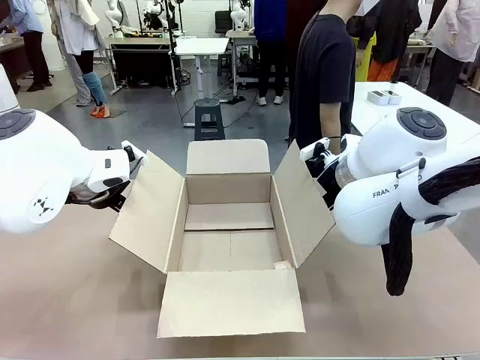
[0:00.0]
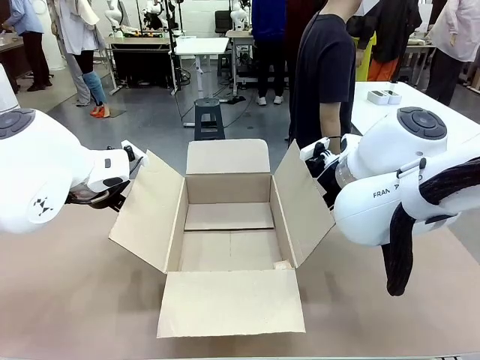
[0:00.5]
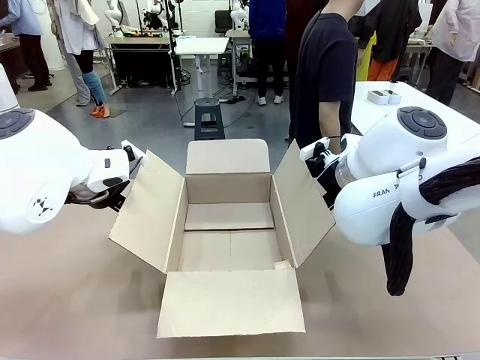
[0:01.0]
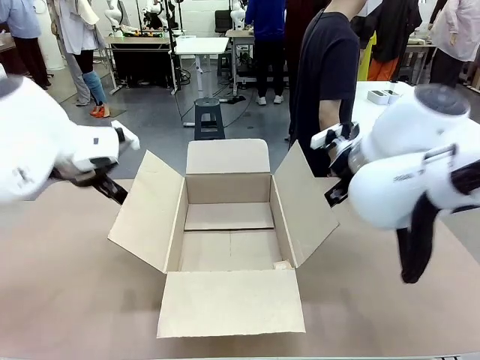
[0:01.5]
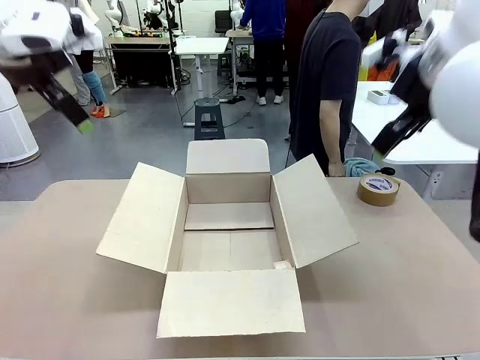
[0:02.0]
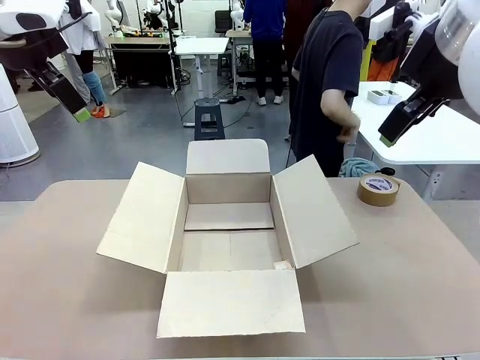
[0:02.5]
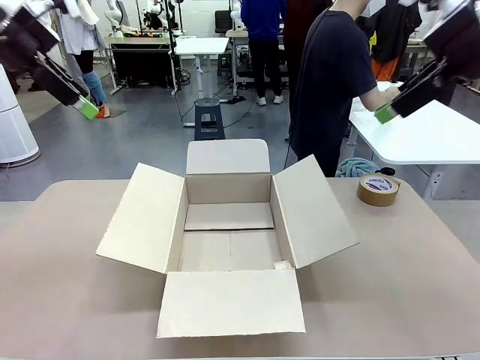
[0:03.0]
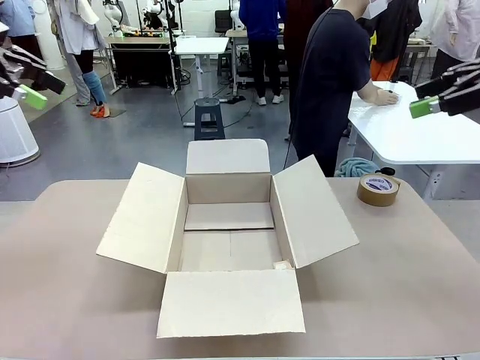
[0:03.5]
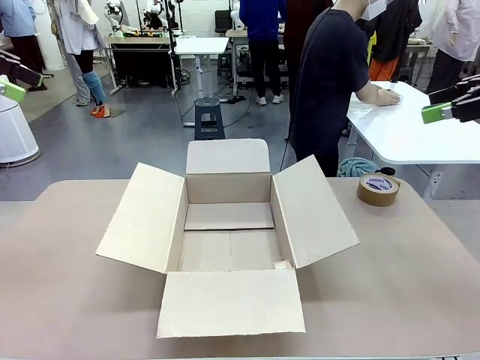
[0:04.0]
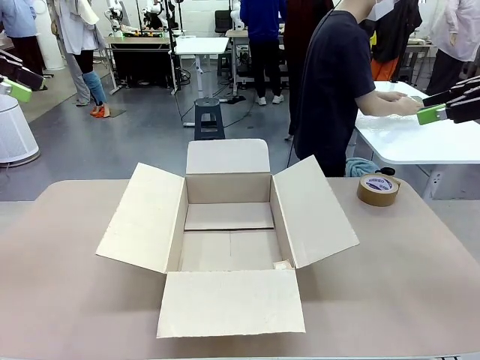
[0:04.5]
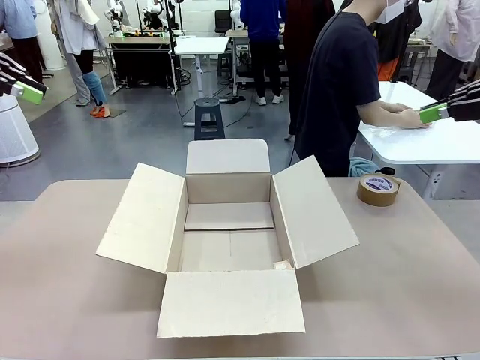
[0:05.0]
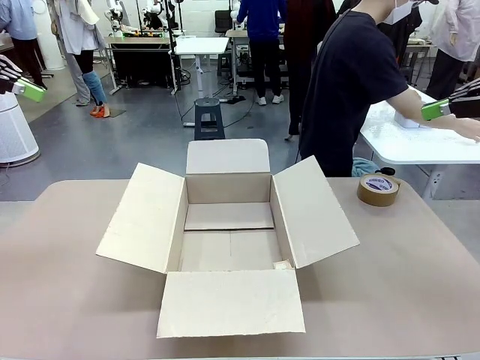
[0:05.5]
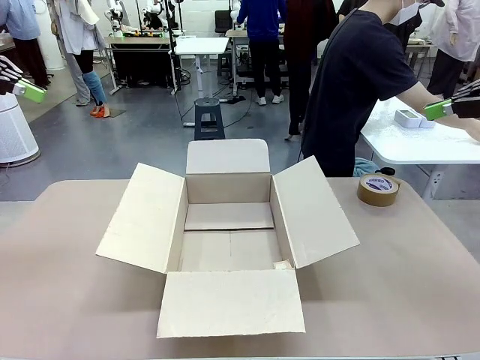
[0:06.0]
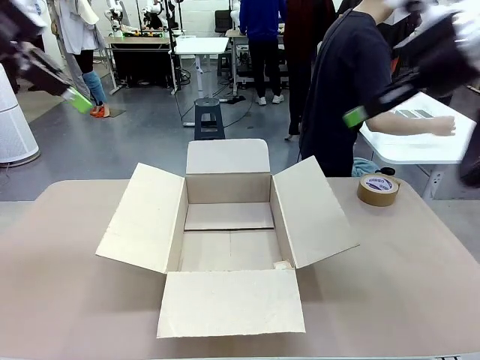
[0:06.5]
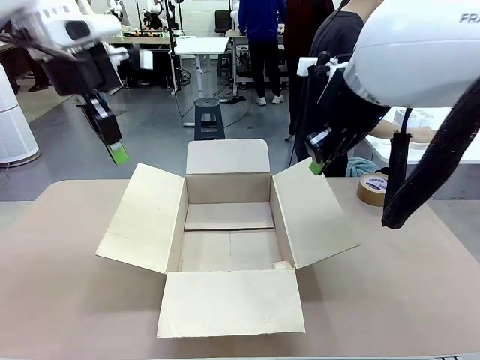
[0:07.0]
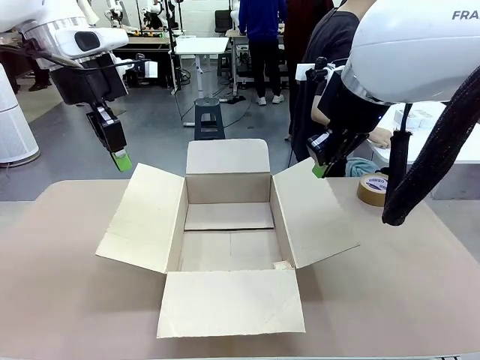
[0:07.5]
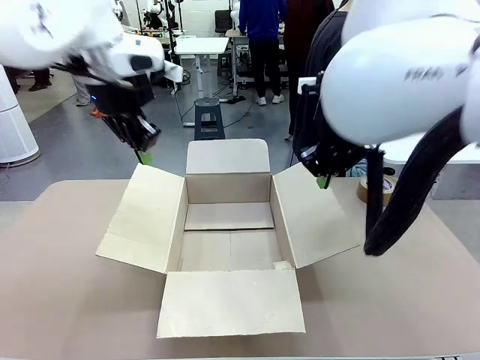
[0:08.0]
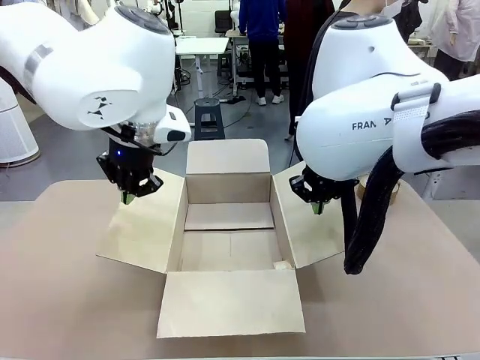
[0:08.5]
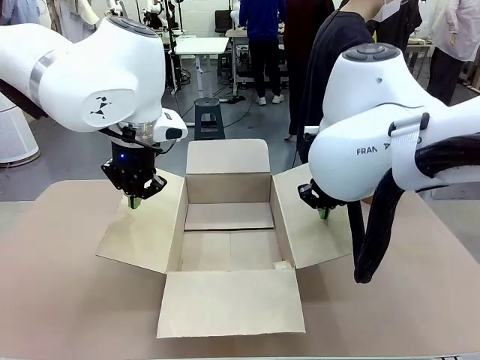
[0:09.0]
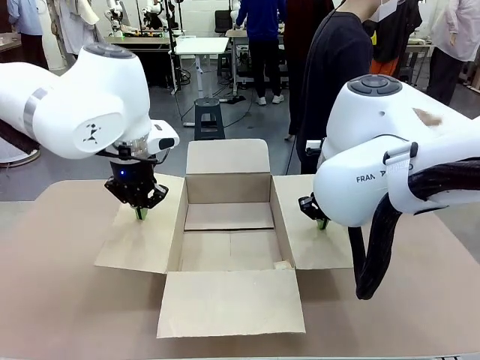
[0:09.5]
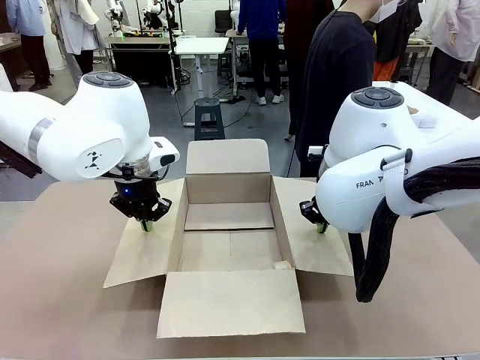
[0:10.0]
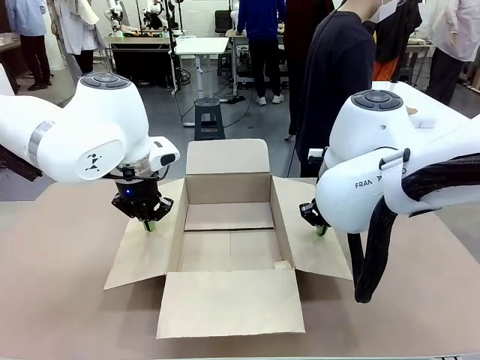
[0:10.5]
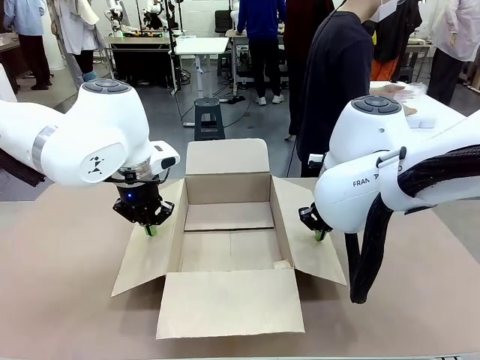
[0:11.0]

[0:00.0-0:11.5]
Task: Wrap the clocks to prevent damage.
Robot: Open the side flaps of the Package Box.
Person: Wrap the two Digital clocks with Bubble Wrap.

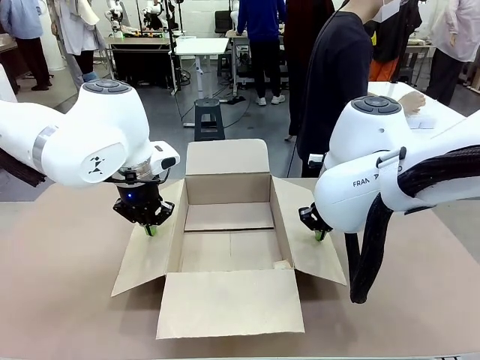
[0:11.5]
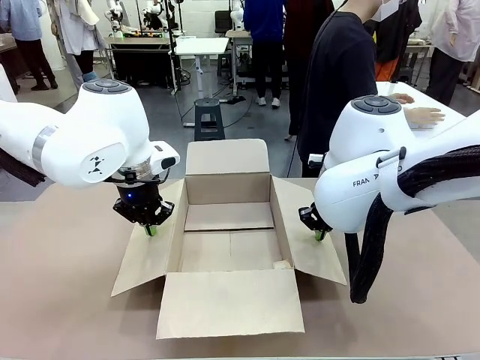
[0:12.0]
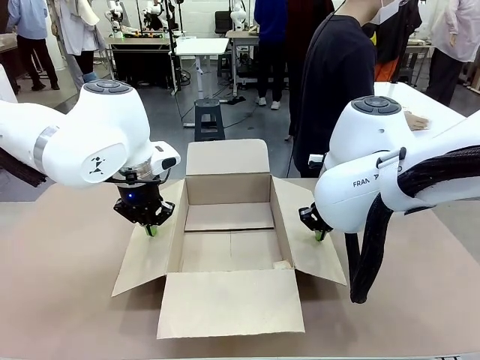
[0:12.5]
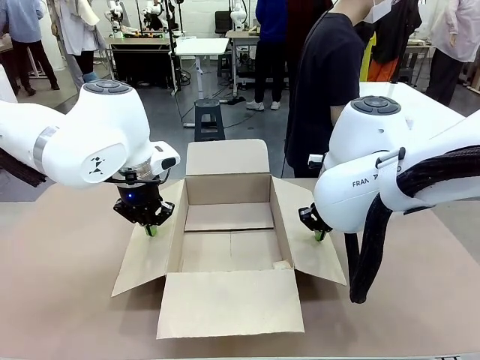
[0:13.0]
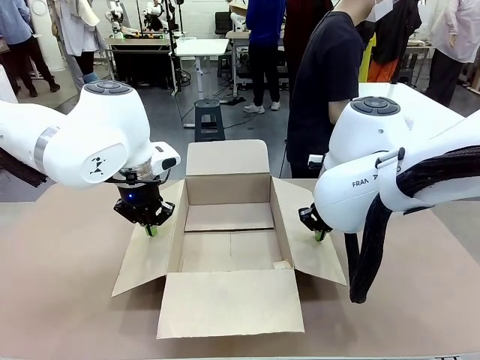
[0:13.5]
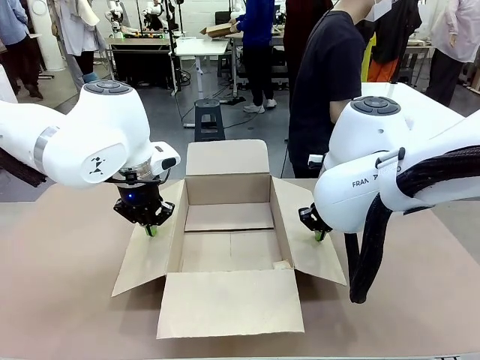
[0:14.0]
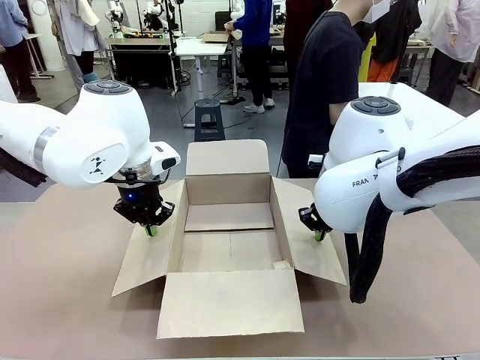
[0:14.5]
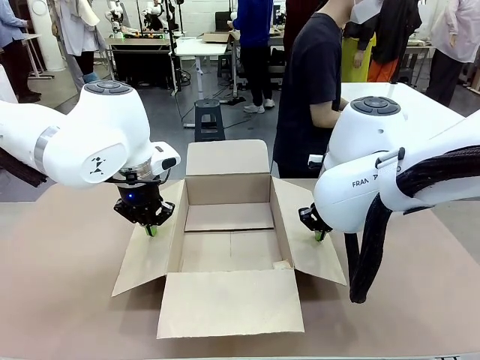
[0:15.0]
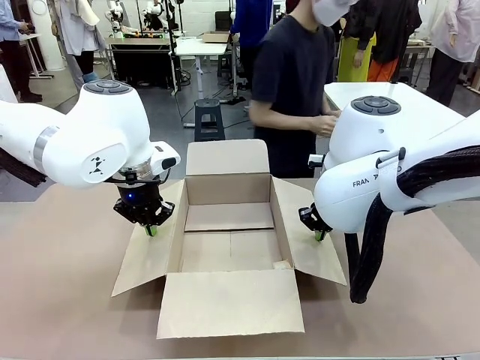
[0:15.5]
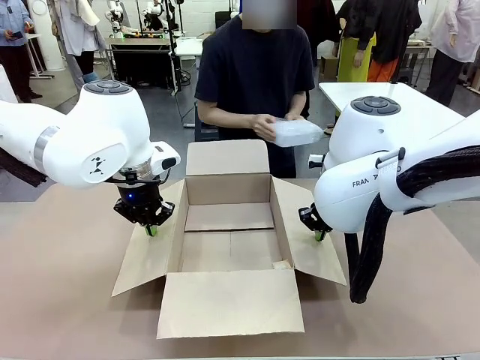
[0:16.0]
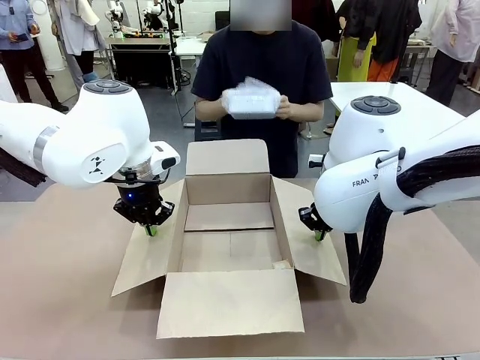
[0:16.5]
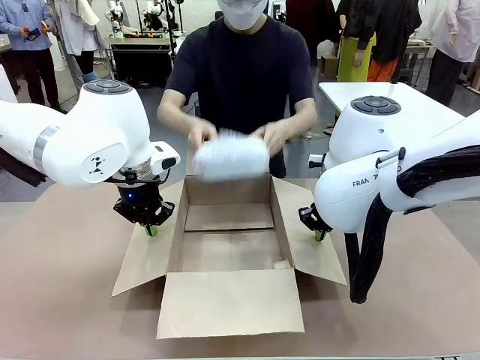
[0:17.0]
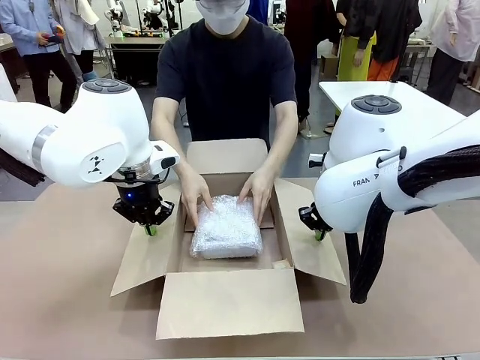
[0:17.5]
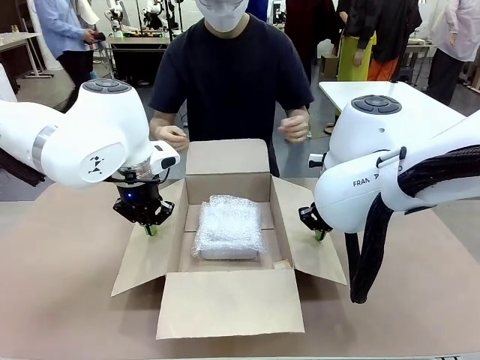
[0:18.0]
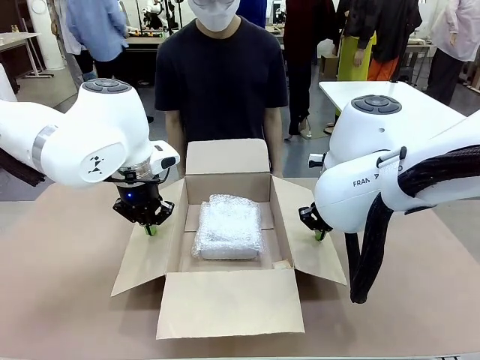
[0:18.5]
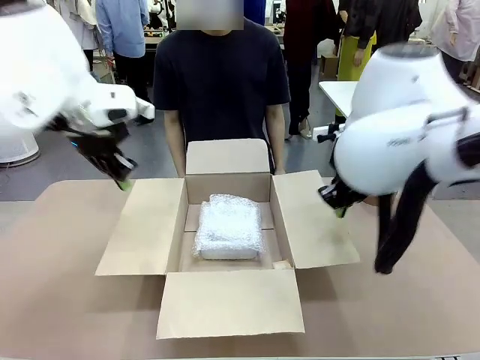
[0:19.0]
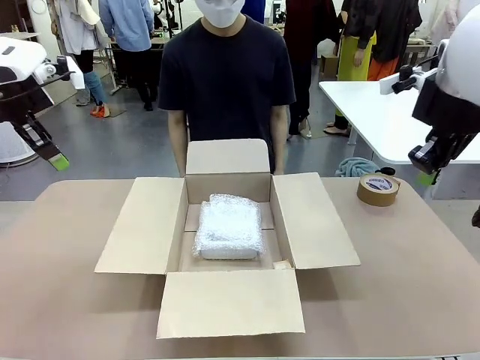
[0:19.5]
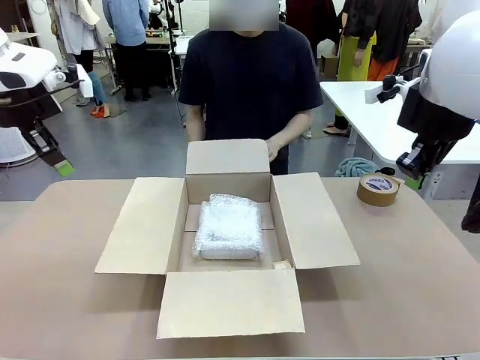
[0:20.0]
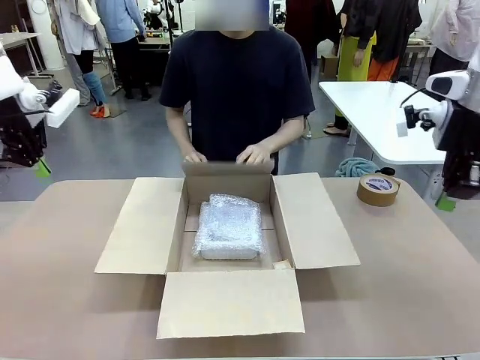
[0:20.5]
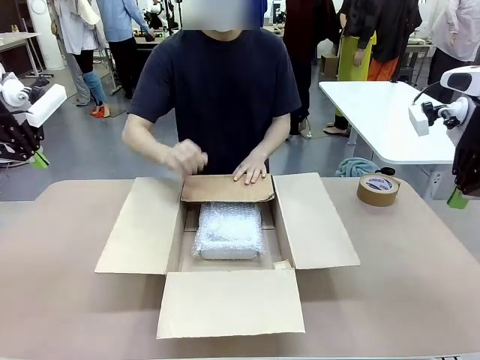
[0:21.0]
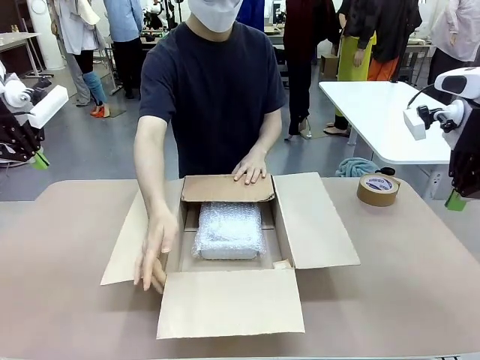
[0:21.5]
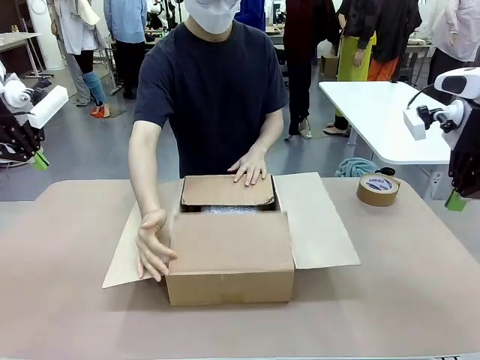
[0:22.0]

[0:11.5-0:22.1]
Robot: Once the human has placed the objects inside and stepped back, release both hands from the side flaps of the Package Box.
Person: Place the wrapped Digital clocks inside the Package Box. Hold the top and bottom flaps of the Package Box closed with your left (or right) hand.

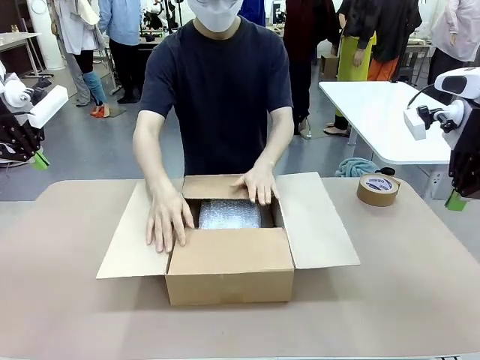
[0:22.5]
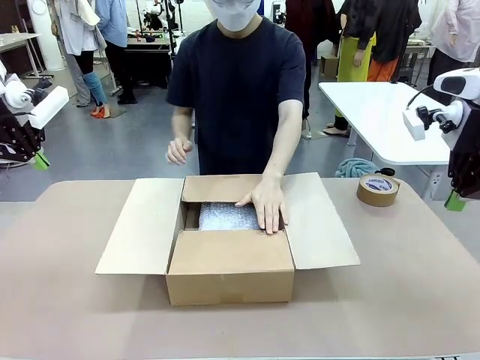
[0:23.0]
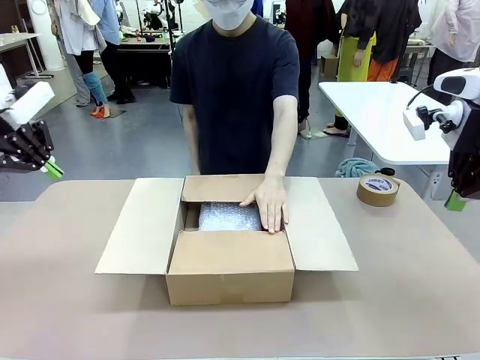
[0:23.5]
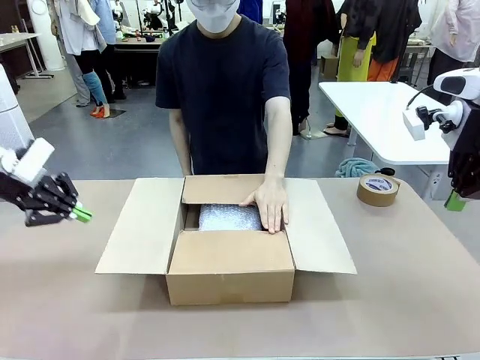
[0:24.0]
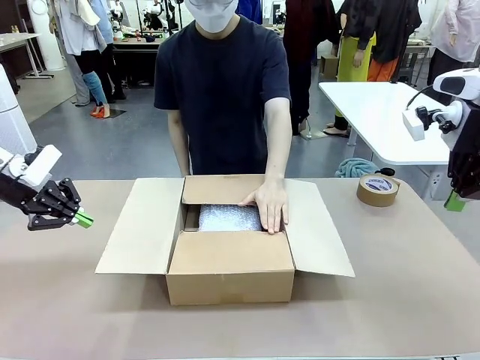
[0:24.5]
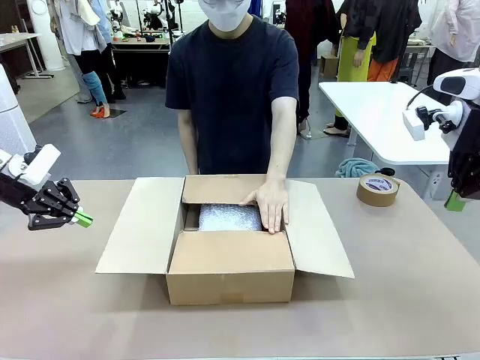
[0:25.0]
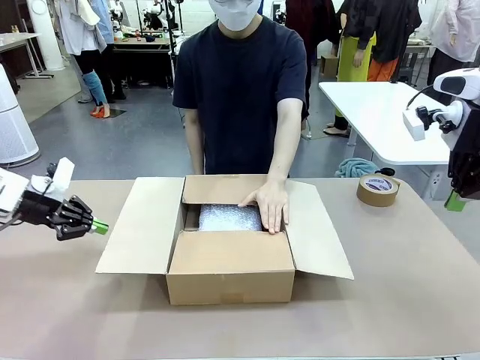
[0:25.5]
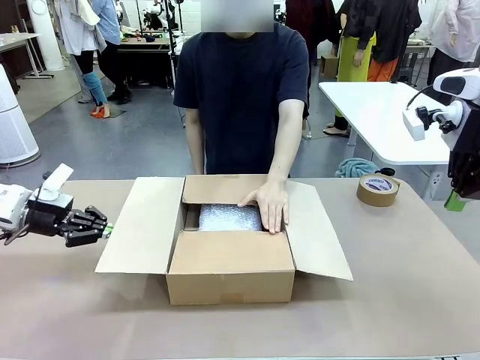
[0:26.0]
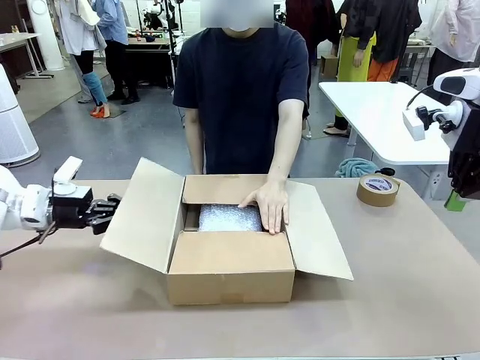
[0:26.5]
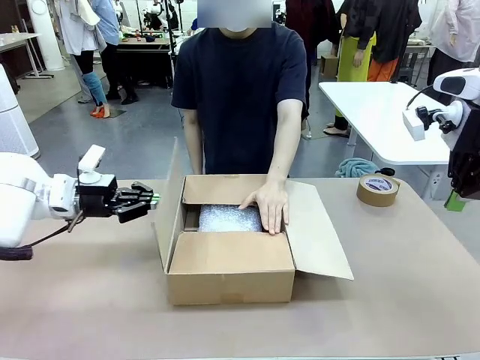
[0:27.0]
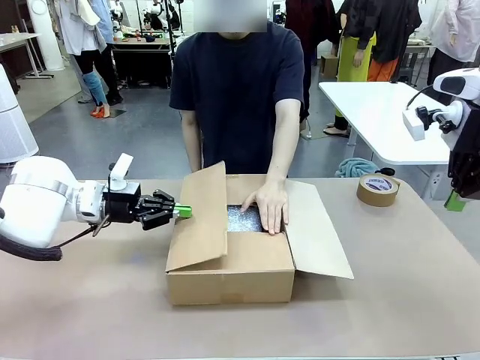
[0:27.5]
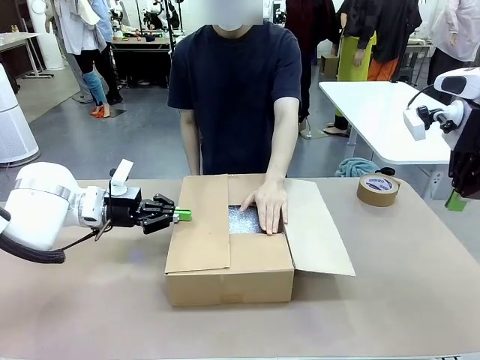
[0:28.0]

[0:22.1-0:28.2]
Robot: Push the right (or left) flap of the Package Box to close it.
Person: Once the robot closes the right flap of the Package Box , release your left hand from the box.
